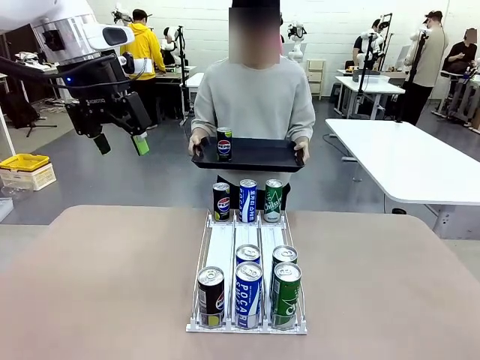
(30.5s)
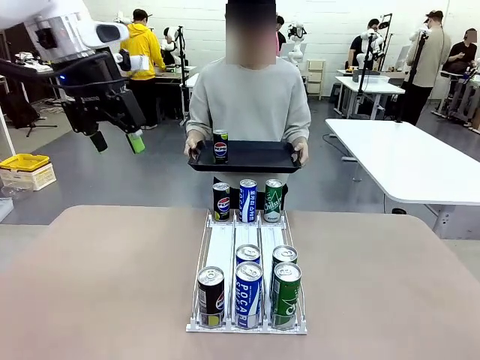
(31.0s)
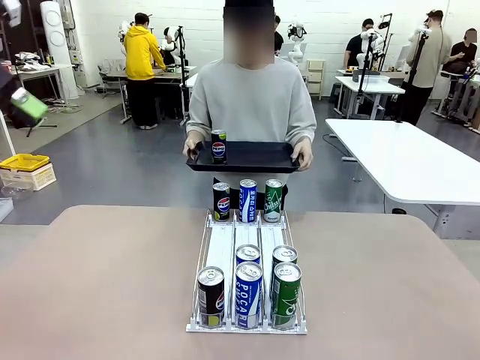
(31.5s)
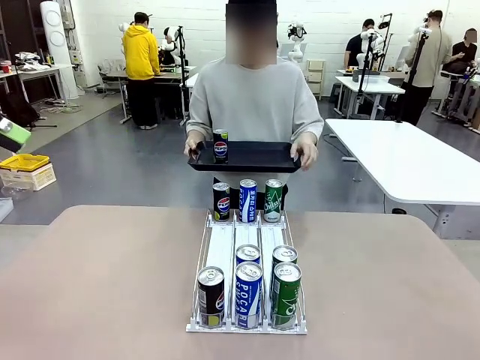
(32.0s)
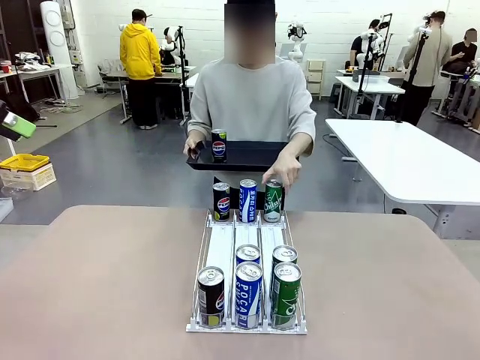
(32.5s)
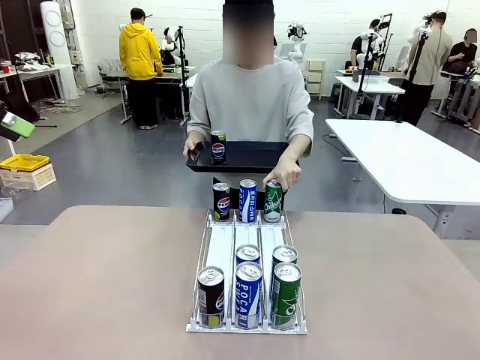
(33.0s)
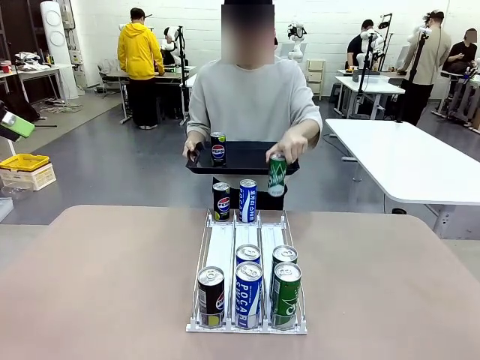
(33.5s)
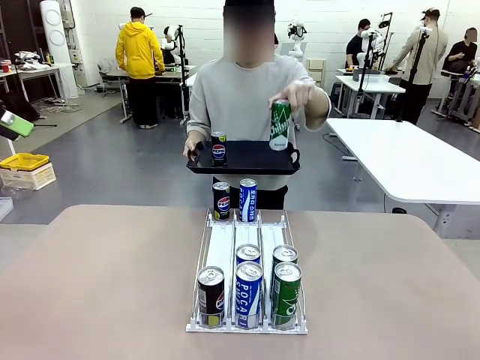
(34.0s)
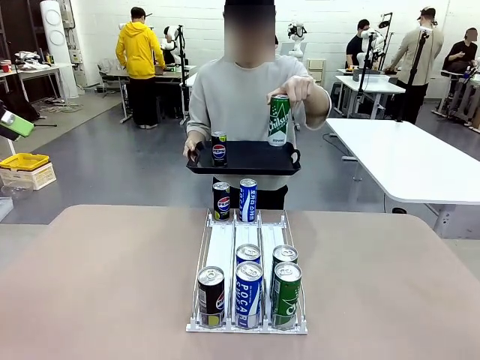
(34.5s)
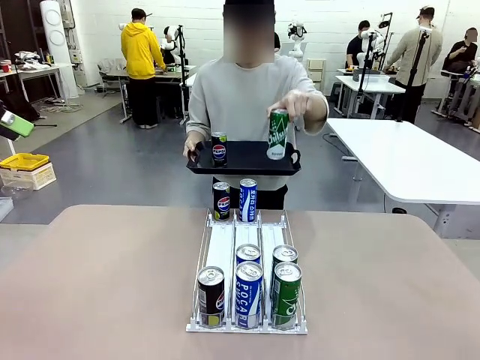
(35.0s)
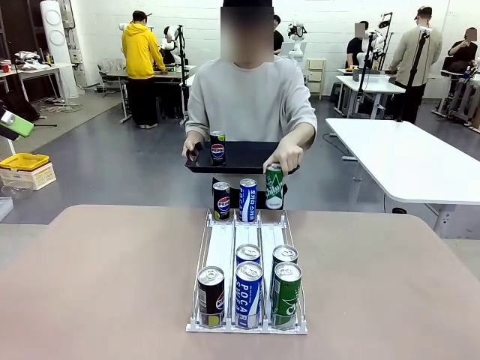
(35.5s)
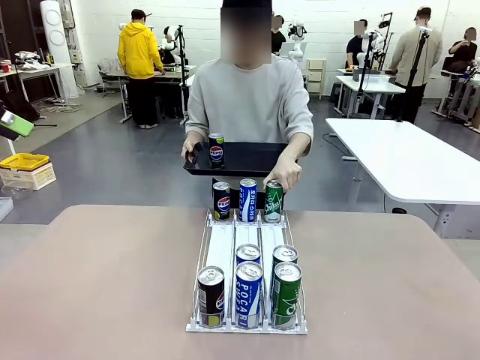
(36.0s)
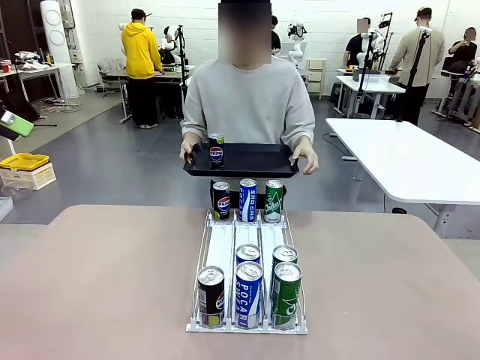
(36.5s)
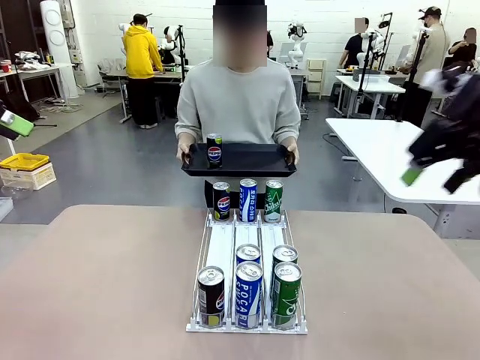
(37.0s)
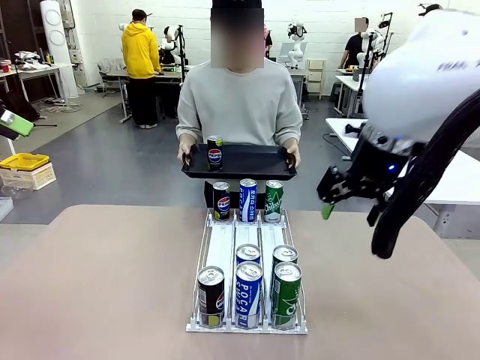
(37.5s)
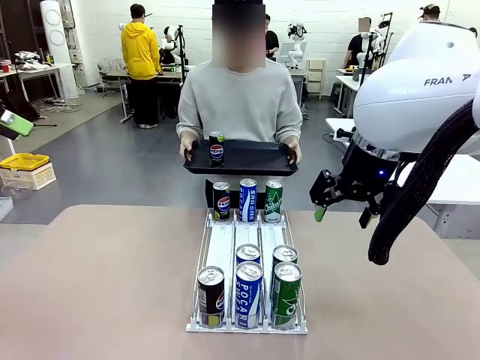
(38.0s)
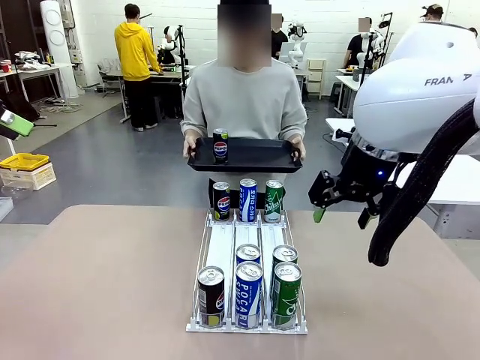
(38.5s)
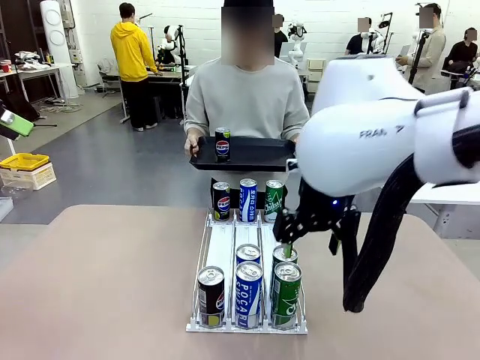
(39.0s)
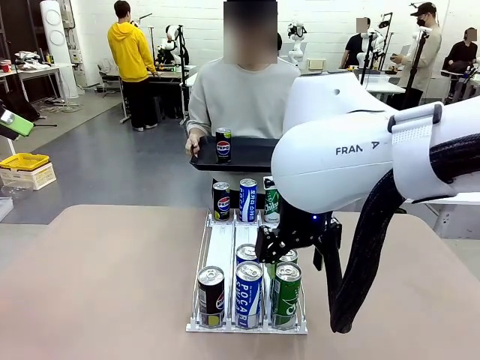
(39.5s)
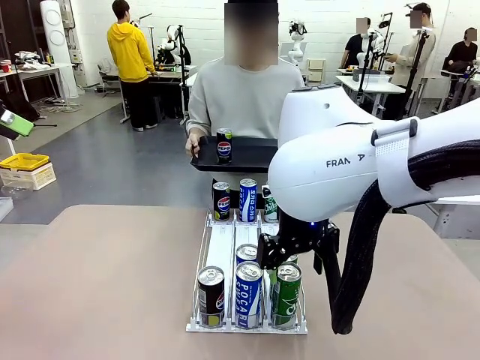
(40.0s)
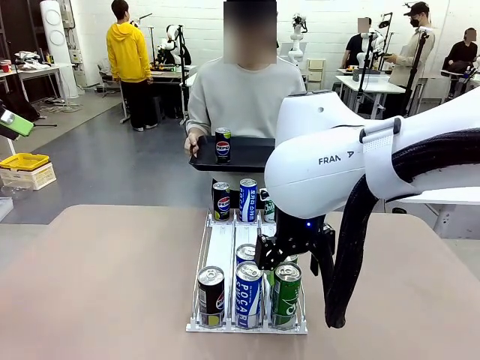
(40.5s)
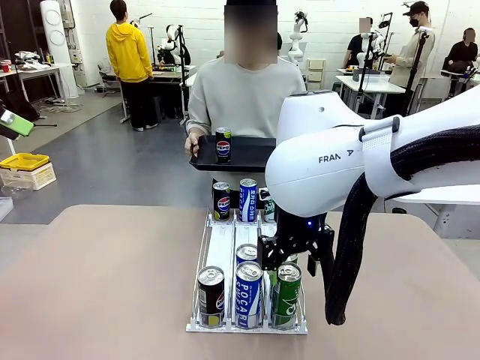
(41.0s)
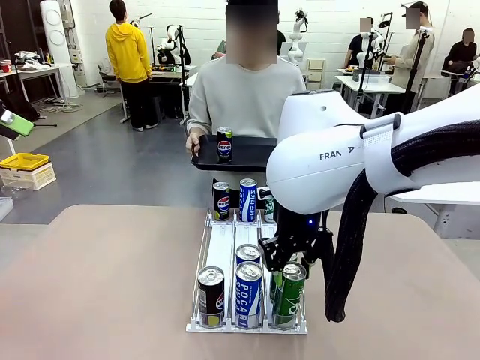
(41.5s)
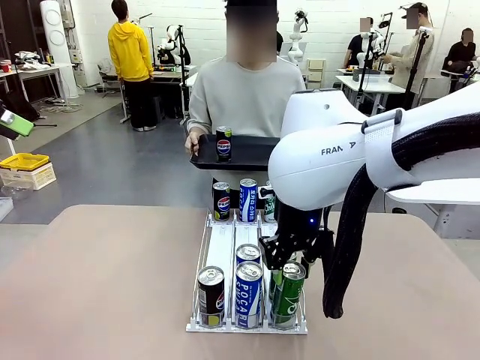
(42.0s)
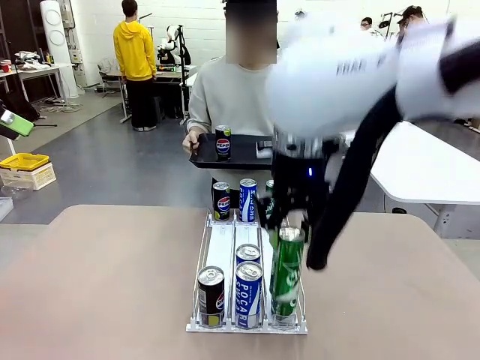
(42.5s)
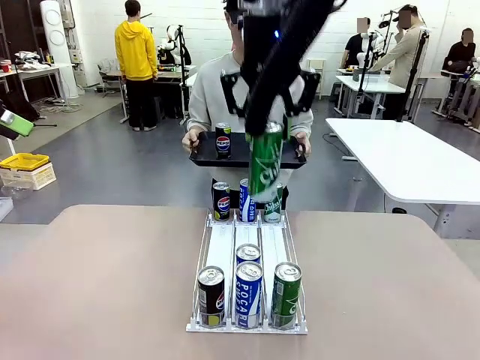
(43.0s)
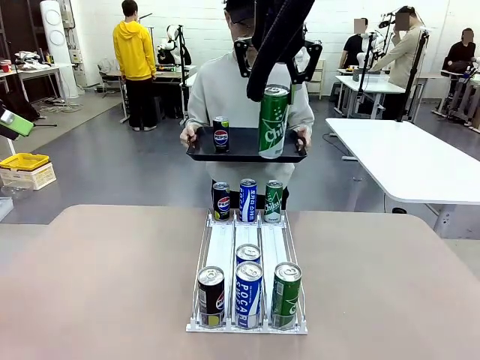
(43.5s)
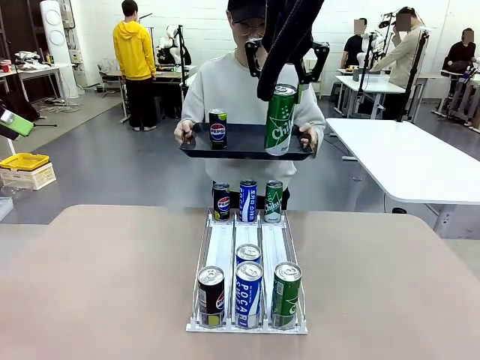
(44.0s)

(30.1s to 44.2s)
Task: Retrieve and hand over the desired beverage to the person.
Robot: Pick up another can of the same type that the person held from the Automatic Can Dispenser.
Person: Pull the tray back, then pick up another can from the bottom area of the table and puts it back in its original place. Push the tray toward the robot again.

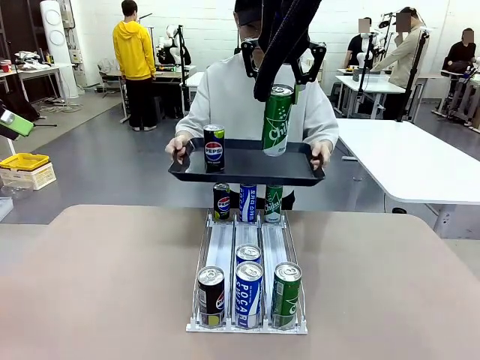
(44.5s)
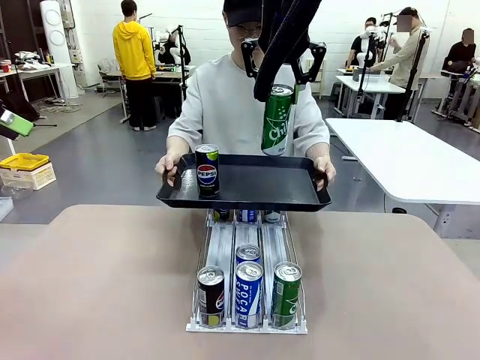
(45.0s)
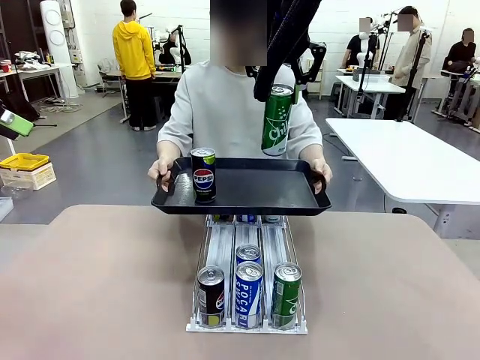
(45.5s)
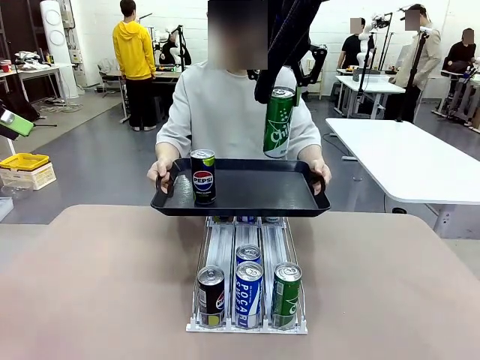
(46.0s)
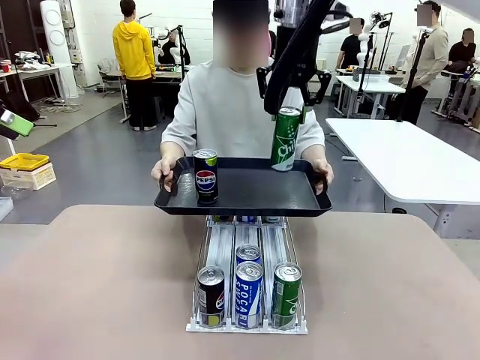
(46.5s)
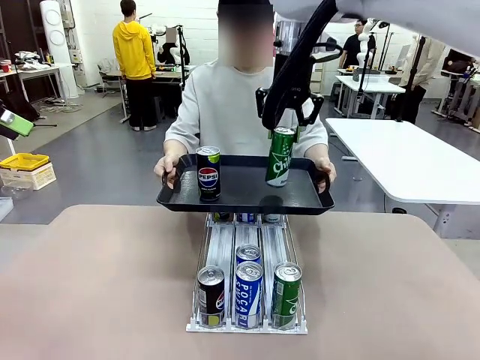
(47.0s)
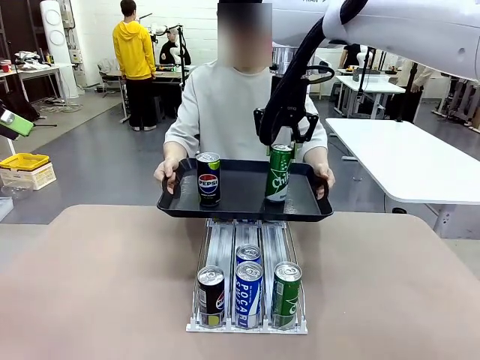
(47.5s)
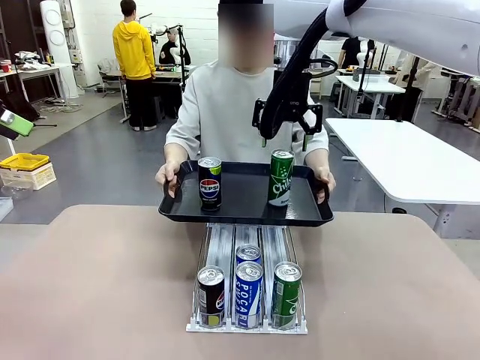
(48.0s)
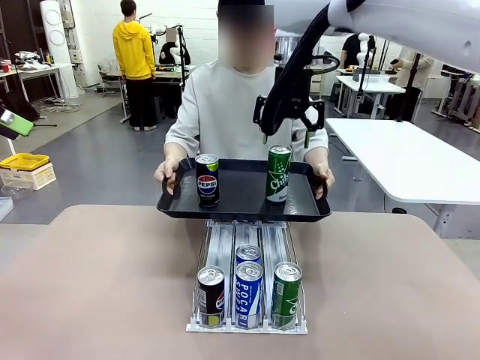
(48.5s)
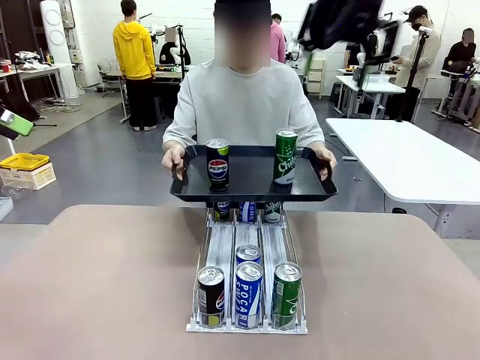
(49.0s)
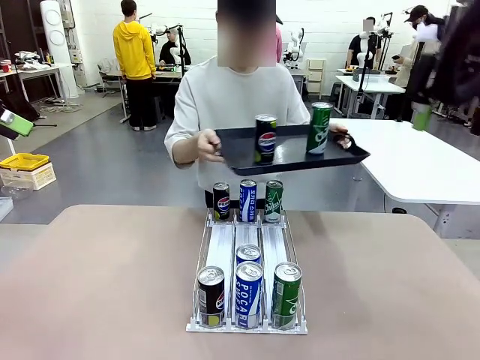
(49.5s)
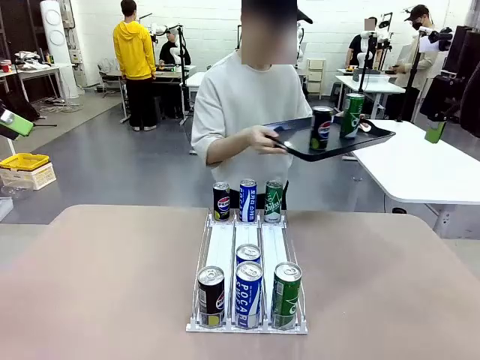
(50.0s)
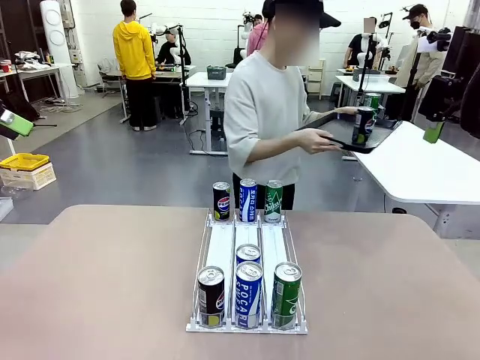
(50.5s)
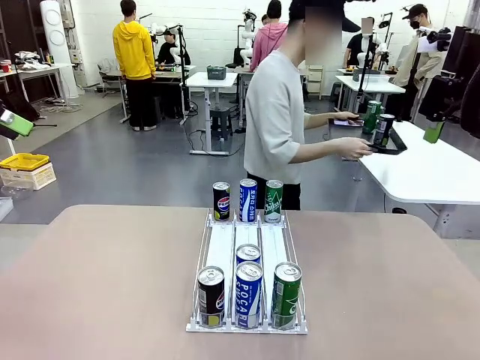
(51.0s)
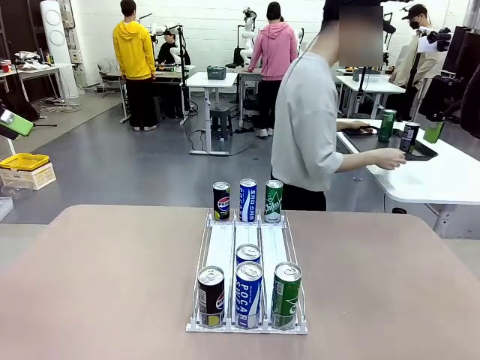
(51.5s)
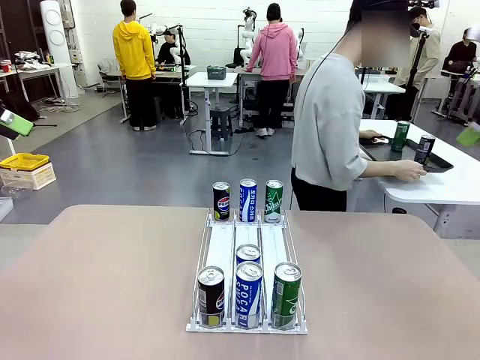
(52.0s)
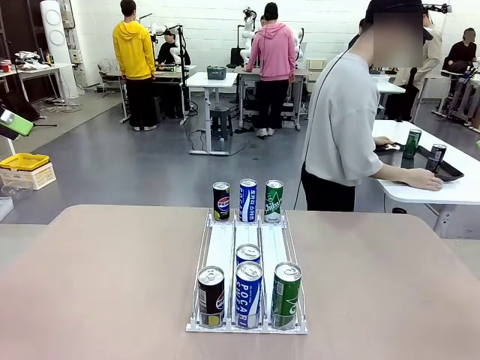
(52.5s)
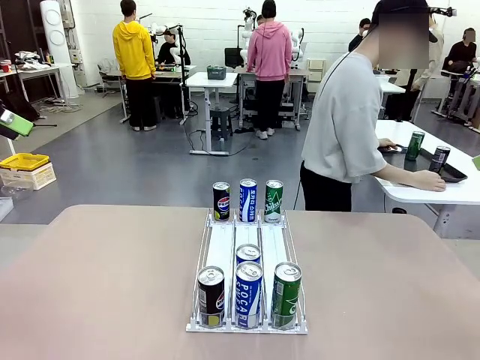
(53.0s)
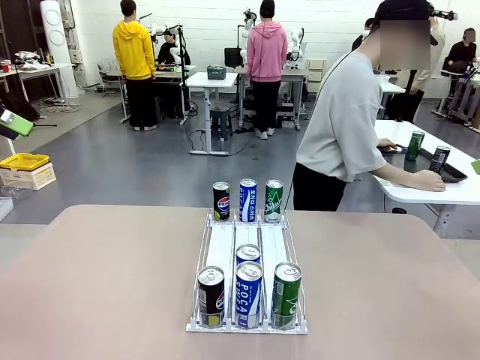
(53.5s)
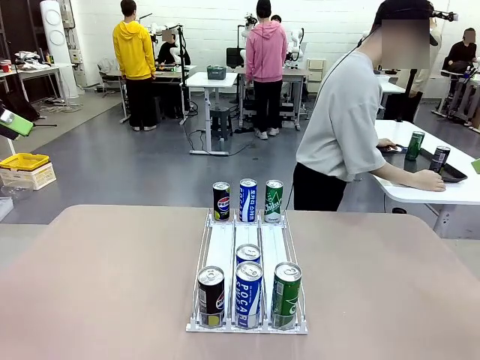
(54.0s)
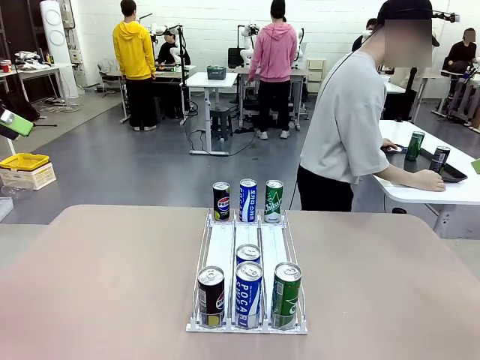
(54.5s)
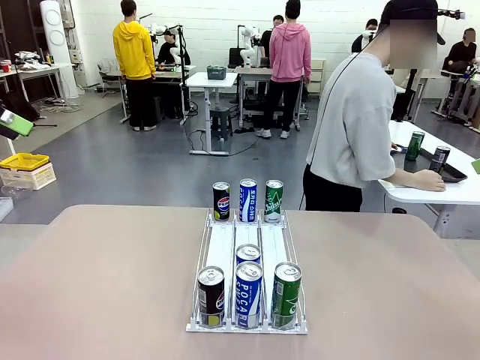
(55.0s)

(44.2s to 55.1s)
Robot: Place the picked can on the Handle tray extended by the person.
Person: Pull the tray back and place it at the center of the human table.
